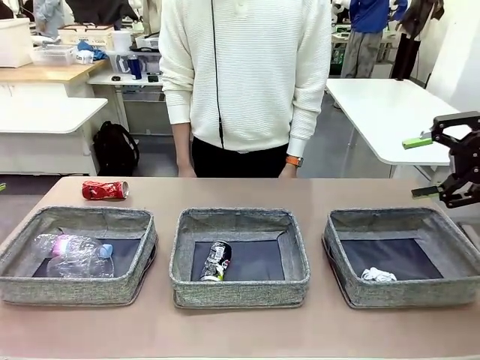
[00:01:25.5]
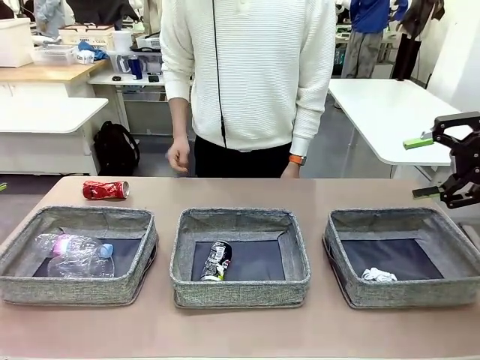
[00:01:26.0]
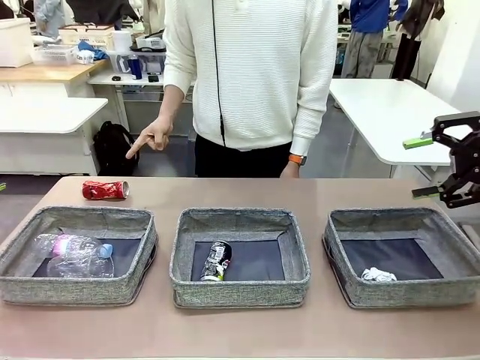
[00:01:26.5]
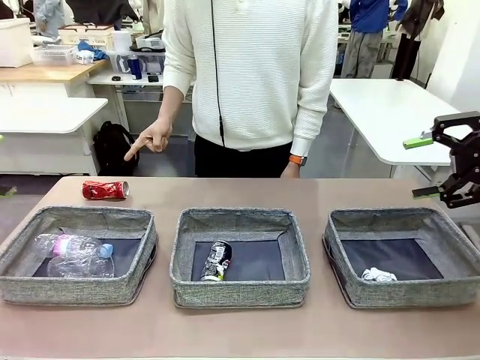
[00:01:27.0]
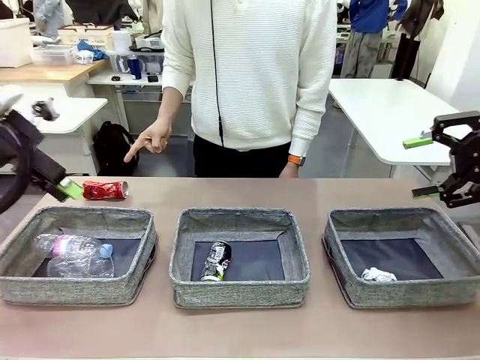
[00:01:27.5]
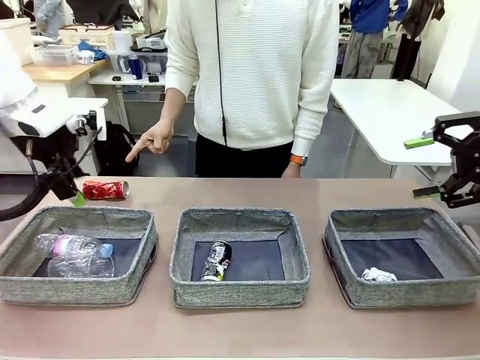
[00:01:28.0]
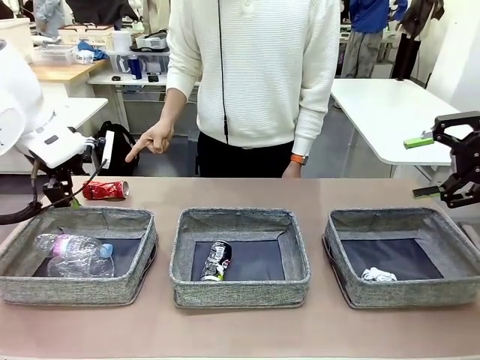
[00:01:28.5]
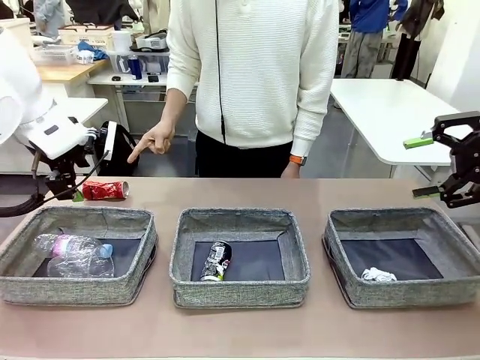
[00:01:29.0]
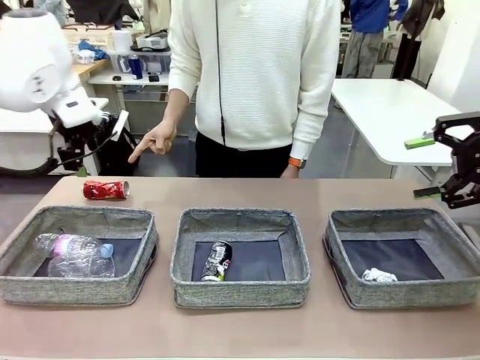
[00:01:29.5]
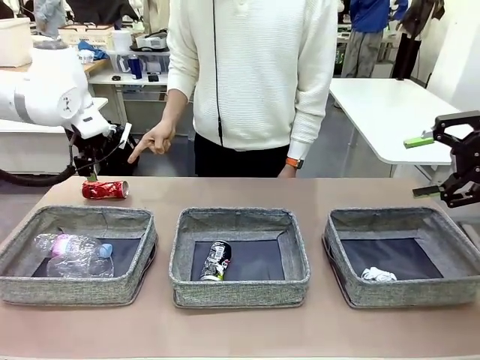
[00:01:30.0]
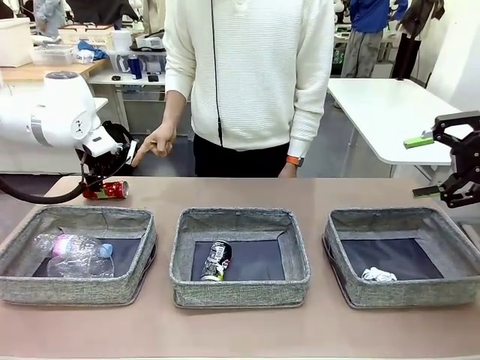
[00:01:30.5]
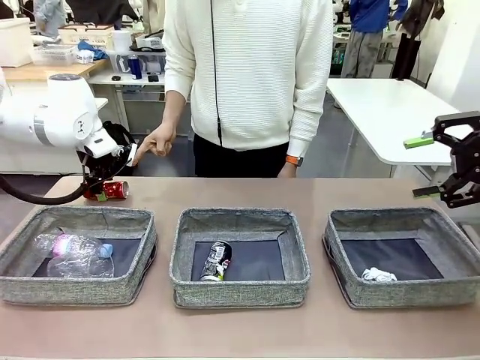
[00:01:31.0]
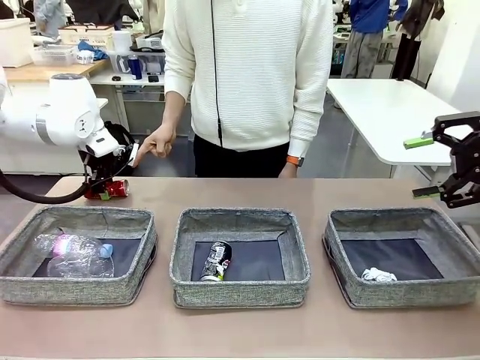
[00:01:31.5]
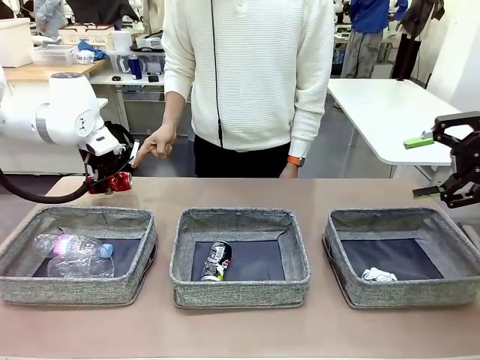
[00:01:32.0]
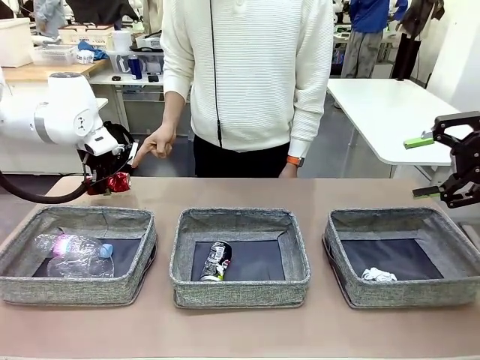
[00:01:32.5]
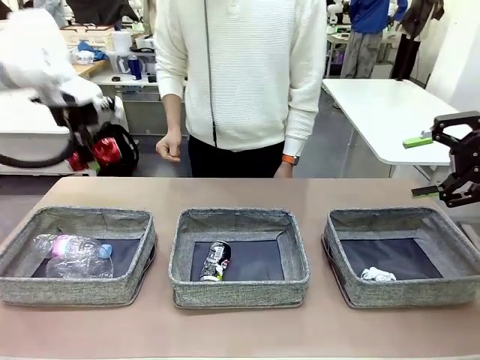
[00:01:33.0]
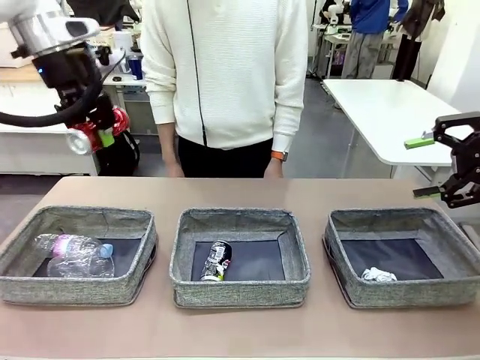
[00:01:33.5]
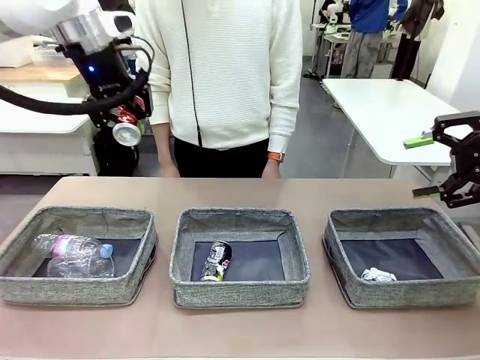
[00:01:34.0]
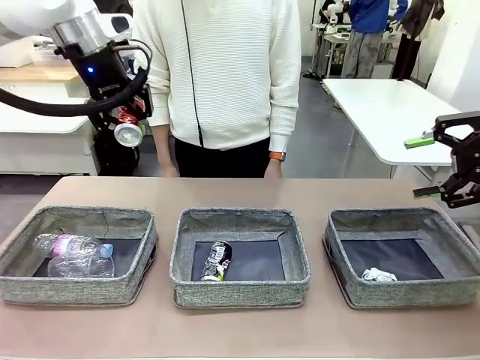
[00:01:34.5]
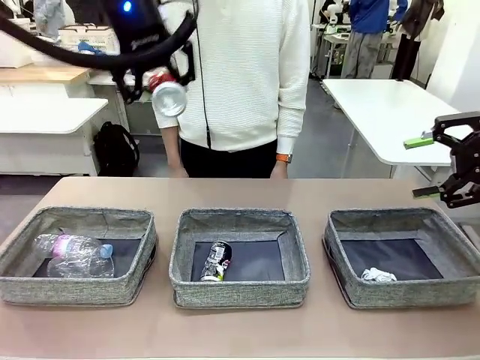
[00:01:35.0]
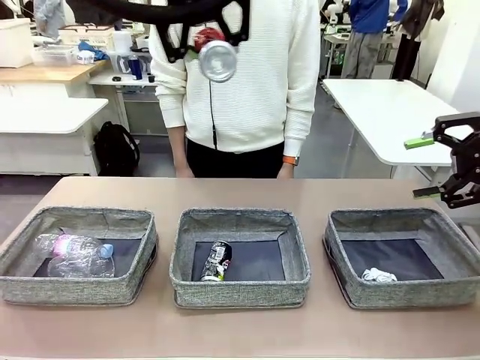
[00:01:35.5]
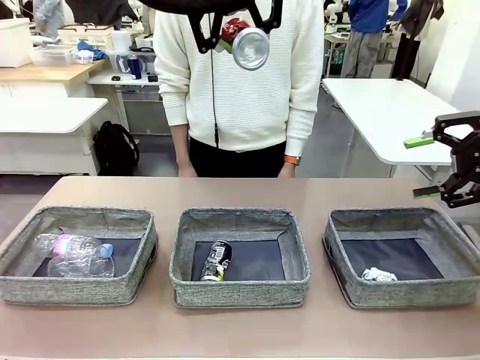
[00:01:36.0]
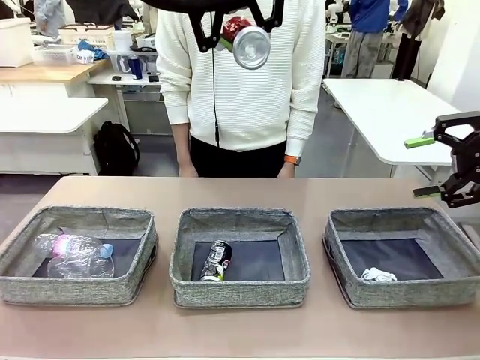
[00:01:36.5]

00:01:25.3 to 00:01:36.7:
Task: Sort the waste into the appropriate baskets.
Robot: Pick up the waste item pointed out by the person.
Person: Points to one piece of trash on the table.

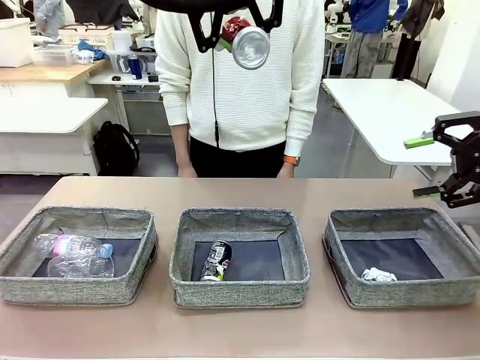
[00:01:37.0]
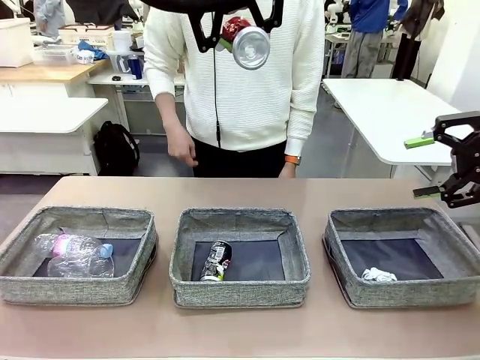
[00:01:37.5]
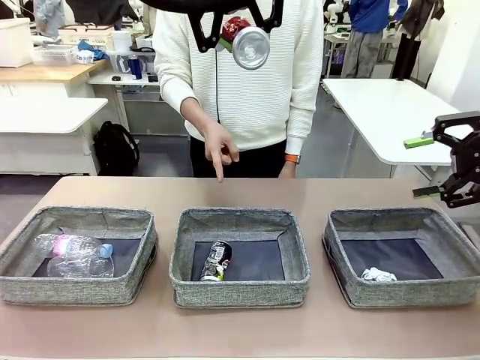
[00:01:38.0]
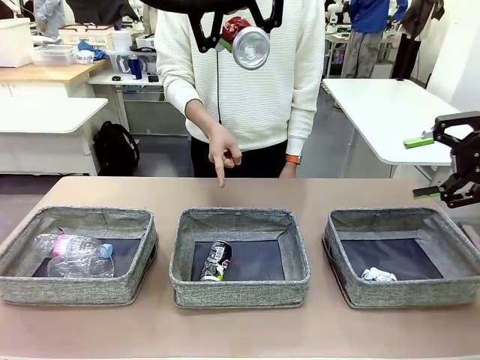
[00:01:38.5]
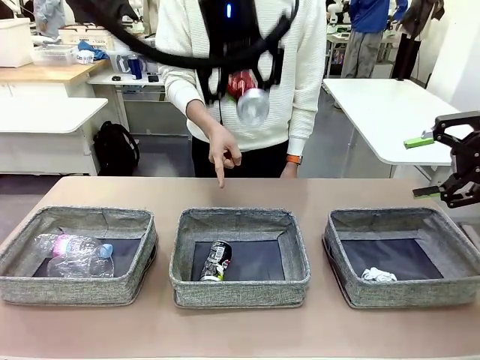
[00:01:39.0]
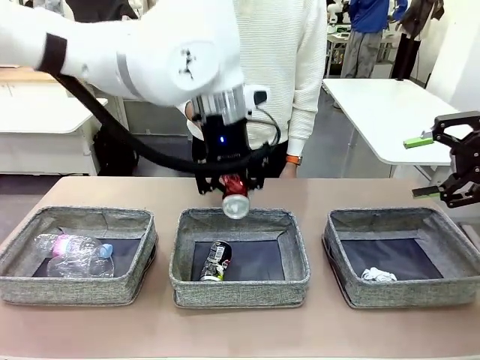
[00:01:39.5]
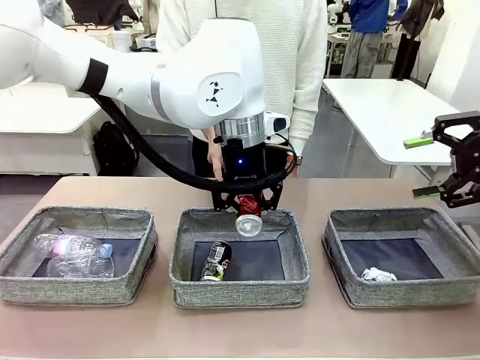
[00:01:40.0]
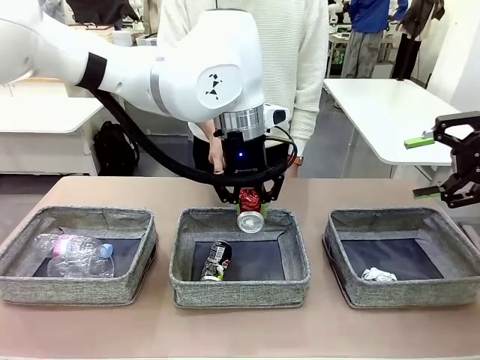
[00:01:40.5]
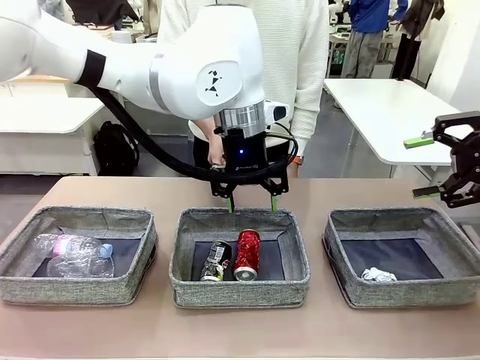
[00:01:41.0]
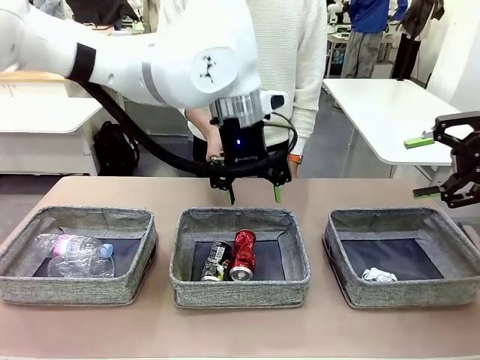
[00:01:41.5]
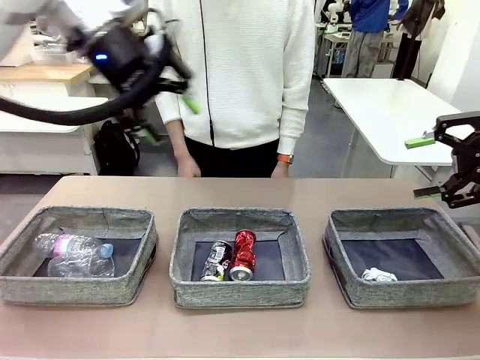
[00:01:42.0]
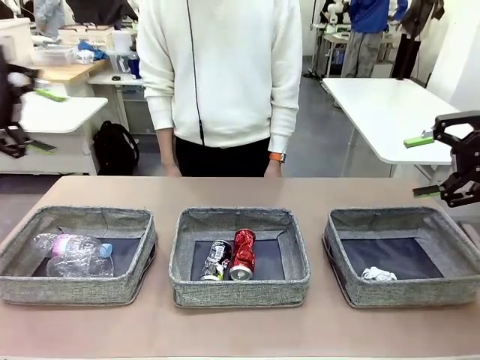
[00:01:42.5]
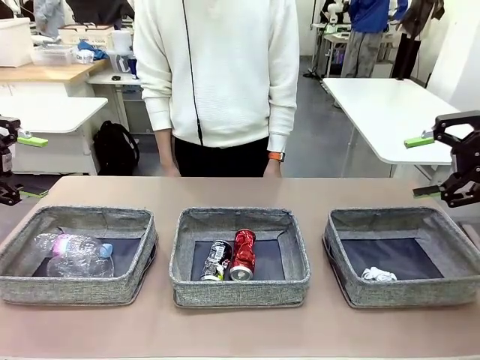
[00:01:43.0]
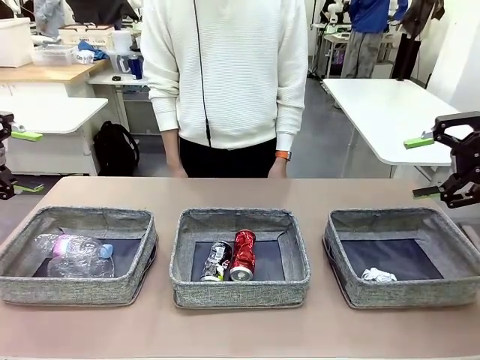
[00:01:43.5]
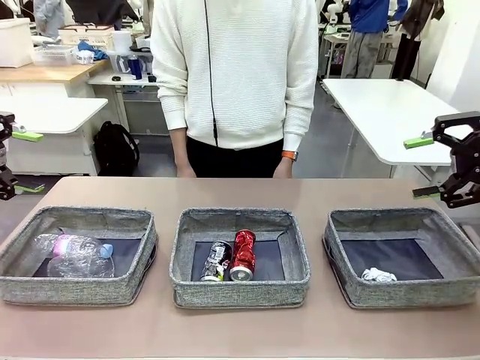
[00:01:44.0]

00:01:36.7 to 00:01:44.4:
Robot: Place the picked waste into the Fabric basket indicated by the person.
Person: Instructs the robot to place the picked-up trash into the appropriate organizing basket.

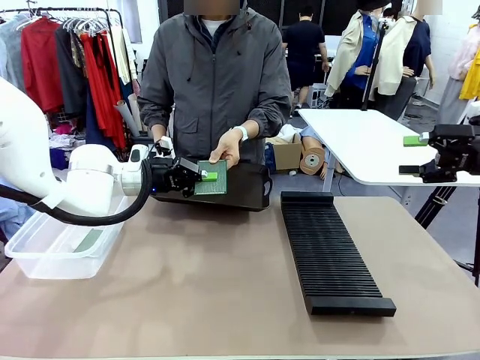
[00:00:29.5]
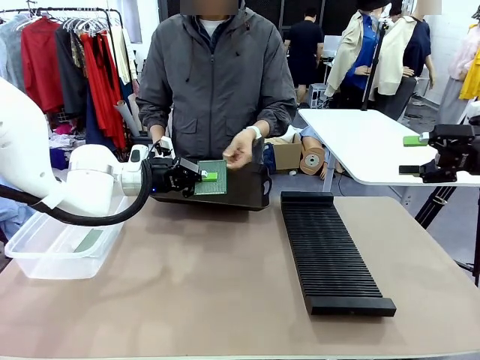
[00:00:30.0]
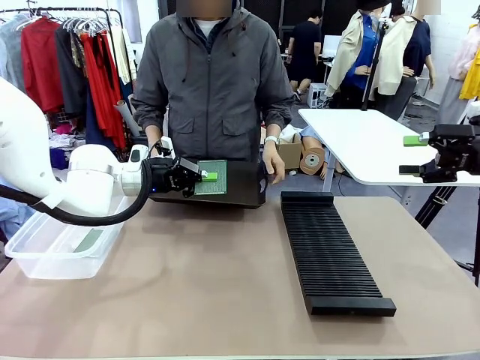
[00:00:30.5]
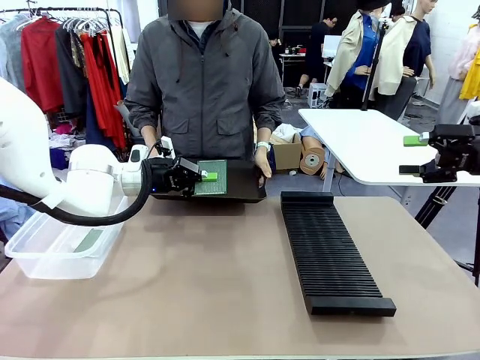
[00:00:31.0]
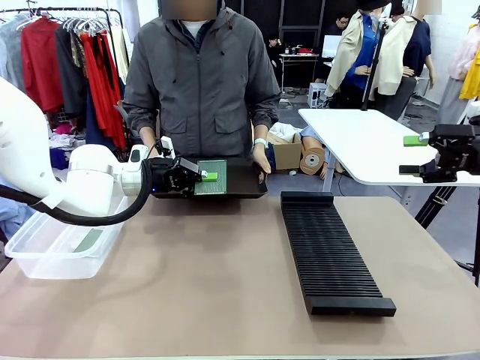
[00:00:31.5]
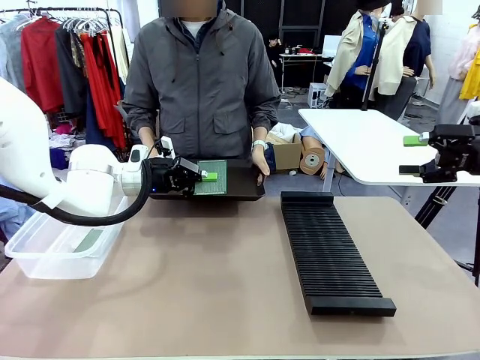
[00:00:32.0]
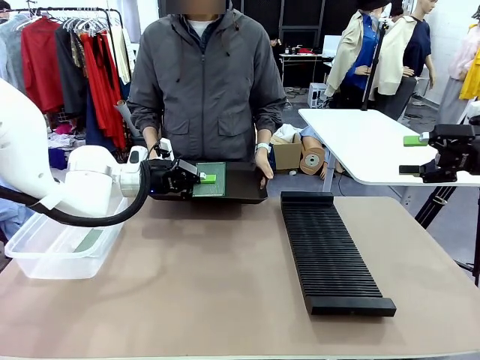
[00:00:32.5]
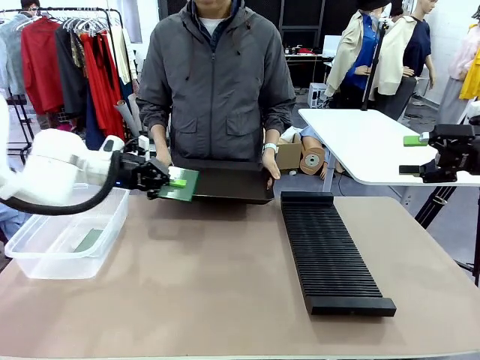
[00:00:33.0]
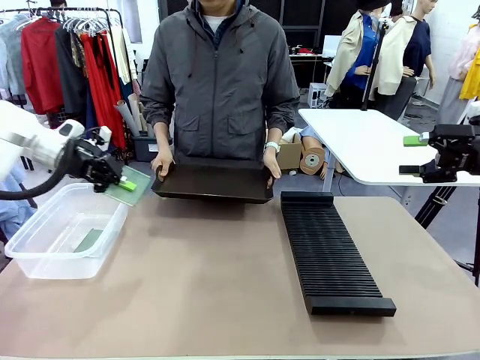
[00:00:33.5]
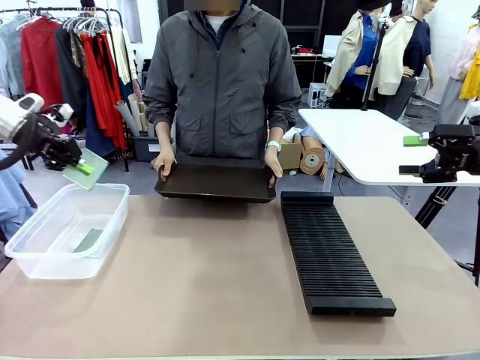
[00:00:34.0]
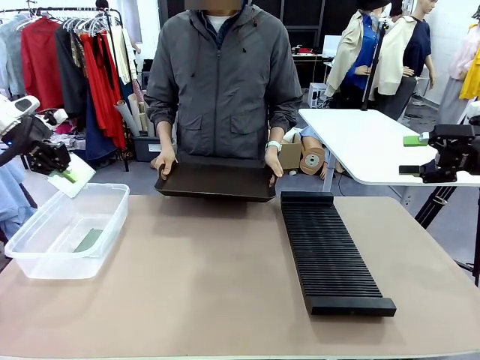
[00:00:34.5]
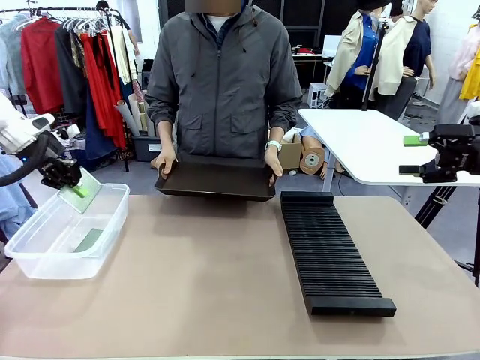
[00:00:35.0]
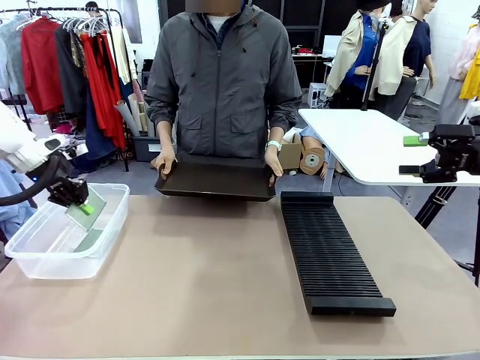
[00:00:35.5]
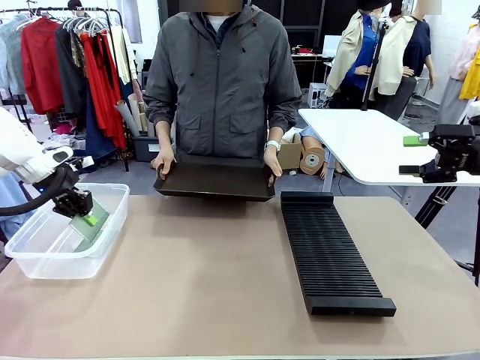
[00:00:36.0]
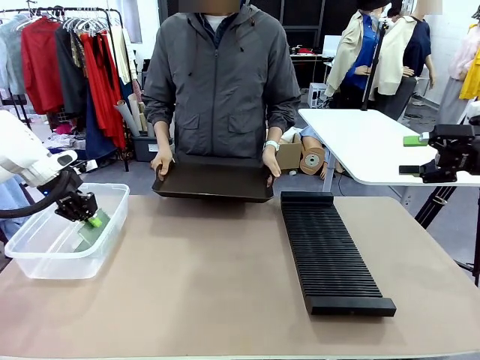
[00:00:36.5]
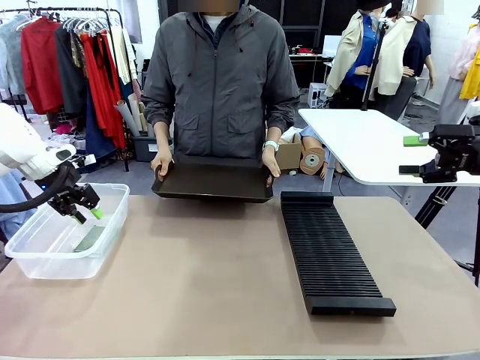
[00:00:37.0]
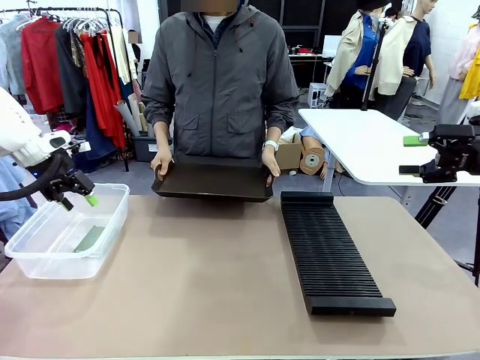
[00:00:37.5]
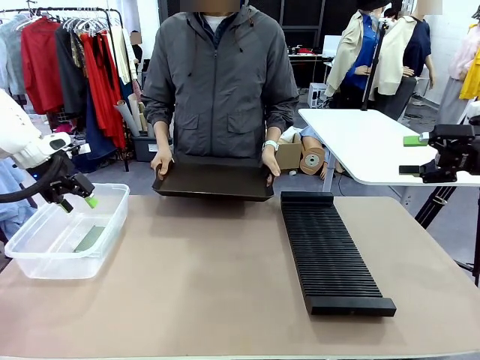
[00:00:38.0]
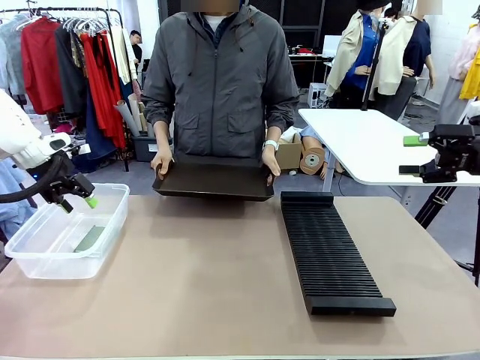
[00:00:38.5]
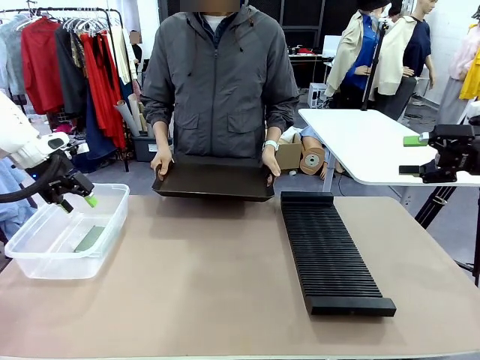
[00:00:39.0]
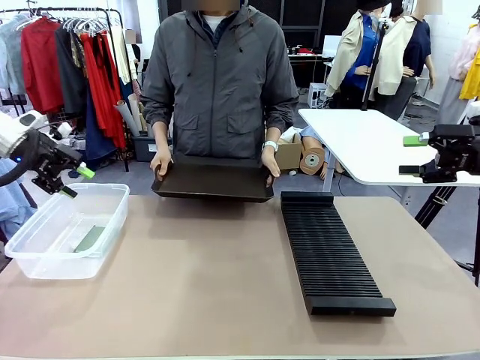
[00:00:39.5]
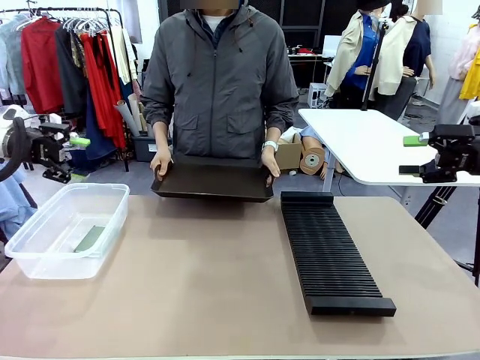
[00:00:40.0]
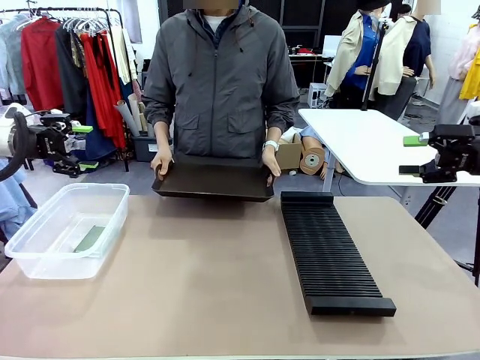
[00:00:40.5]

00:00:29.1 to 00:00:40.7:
Task: Sort PCBs into racks and boxes based on the side picked up.
Robot: If the short side of the Blank PCB is picked up, insert it into the PCB Rack ; if the long side is picked up, place it in the Organizing box.
Person: Release the PCB being held.
